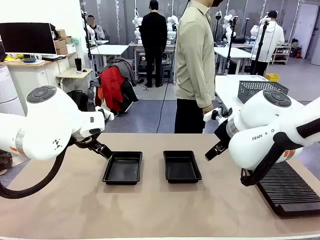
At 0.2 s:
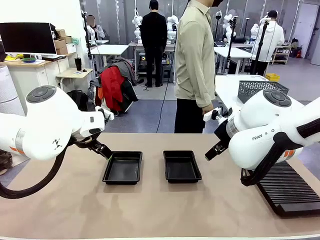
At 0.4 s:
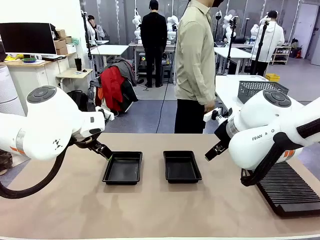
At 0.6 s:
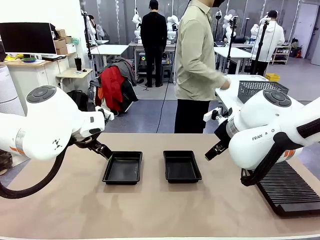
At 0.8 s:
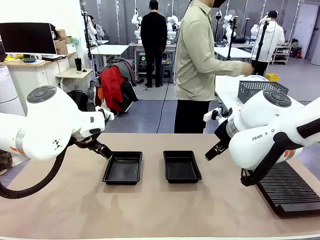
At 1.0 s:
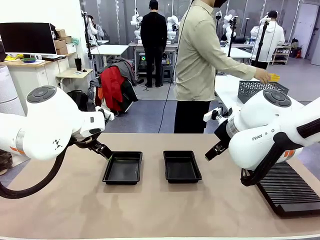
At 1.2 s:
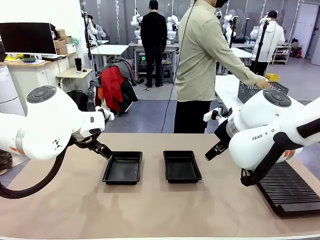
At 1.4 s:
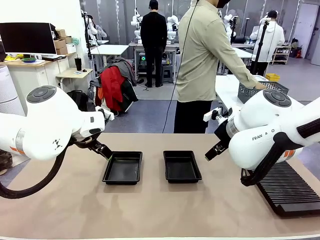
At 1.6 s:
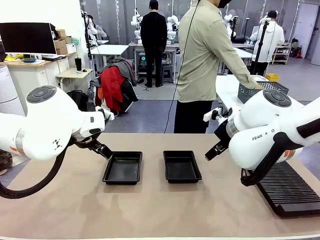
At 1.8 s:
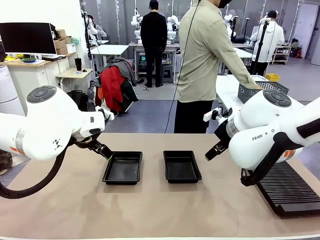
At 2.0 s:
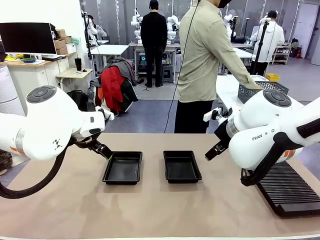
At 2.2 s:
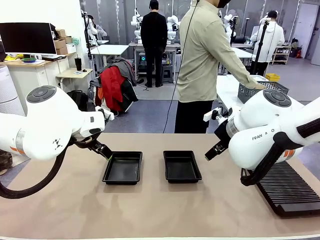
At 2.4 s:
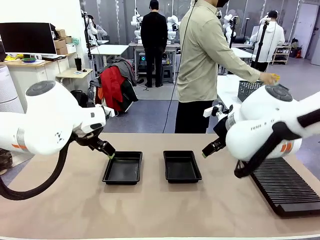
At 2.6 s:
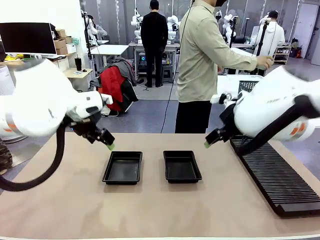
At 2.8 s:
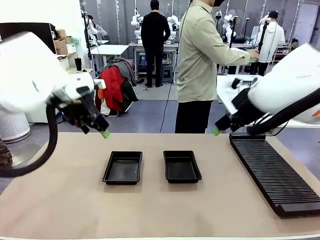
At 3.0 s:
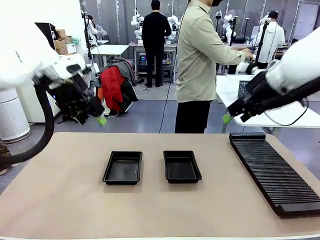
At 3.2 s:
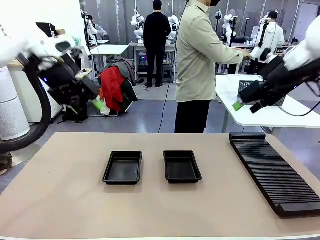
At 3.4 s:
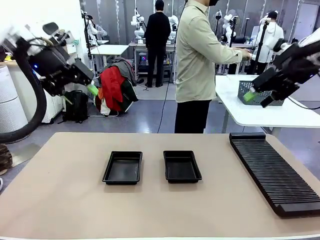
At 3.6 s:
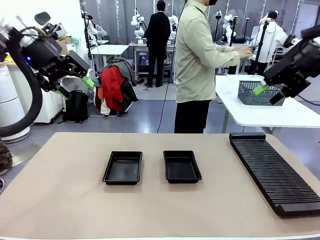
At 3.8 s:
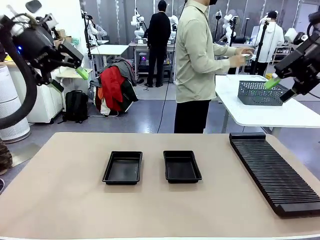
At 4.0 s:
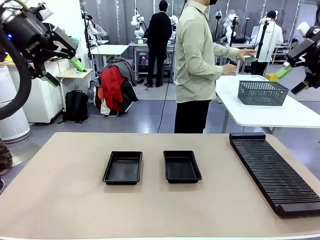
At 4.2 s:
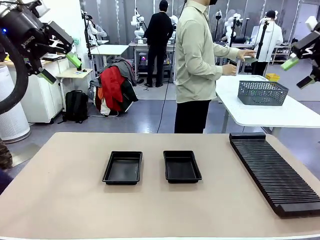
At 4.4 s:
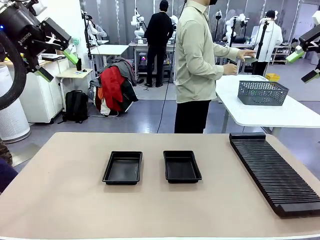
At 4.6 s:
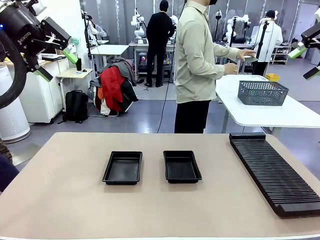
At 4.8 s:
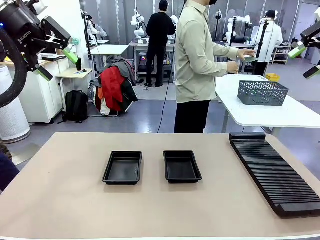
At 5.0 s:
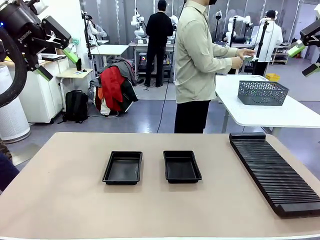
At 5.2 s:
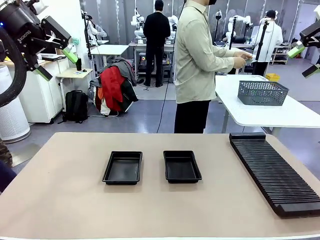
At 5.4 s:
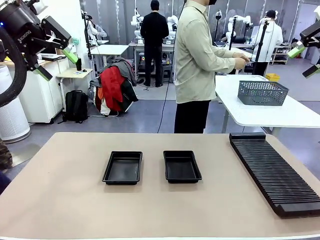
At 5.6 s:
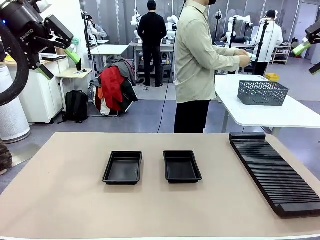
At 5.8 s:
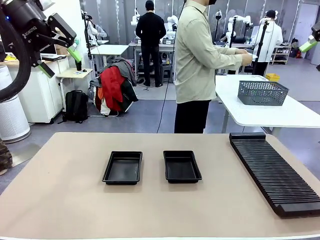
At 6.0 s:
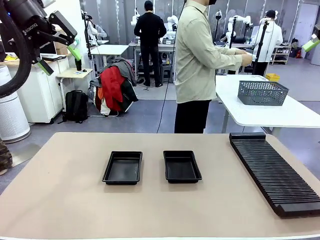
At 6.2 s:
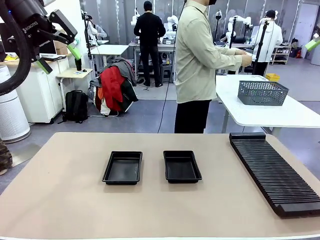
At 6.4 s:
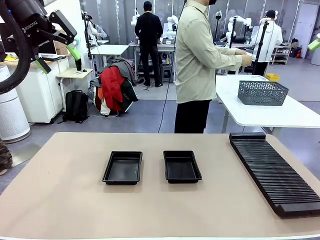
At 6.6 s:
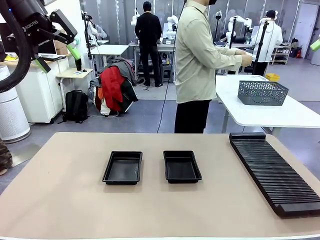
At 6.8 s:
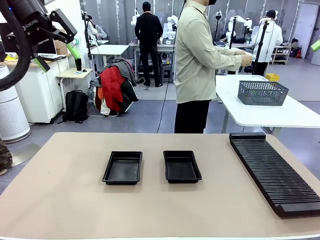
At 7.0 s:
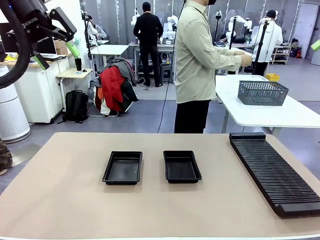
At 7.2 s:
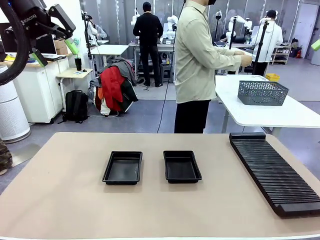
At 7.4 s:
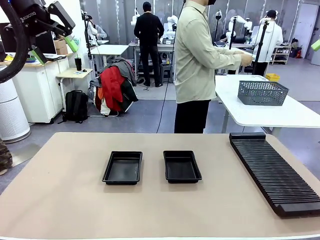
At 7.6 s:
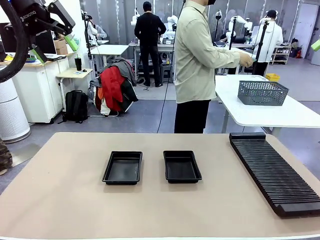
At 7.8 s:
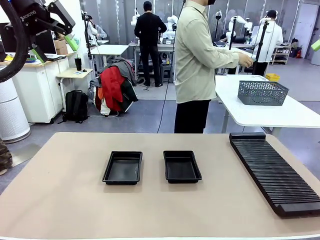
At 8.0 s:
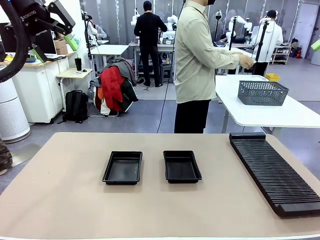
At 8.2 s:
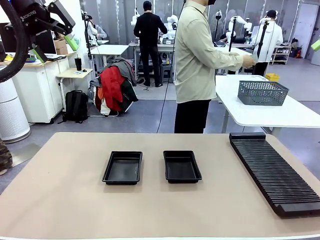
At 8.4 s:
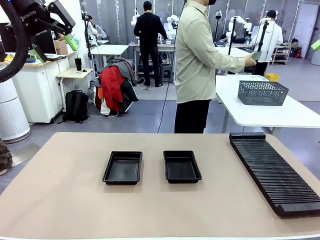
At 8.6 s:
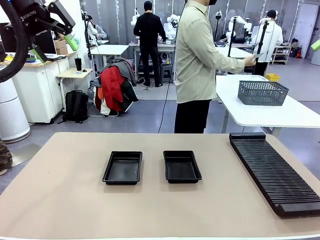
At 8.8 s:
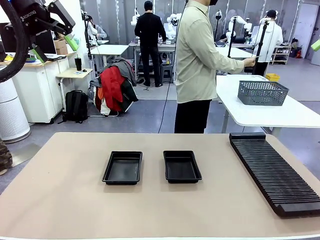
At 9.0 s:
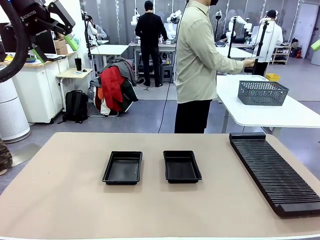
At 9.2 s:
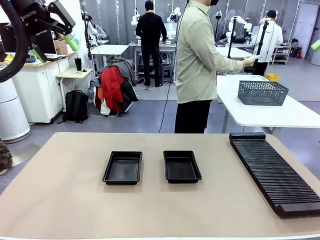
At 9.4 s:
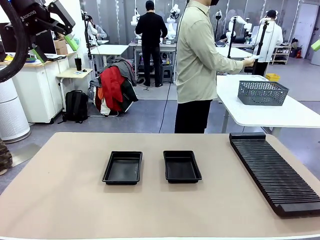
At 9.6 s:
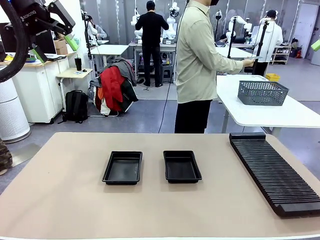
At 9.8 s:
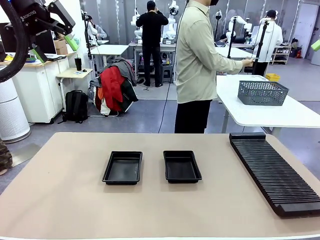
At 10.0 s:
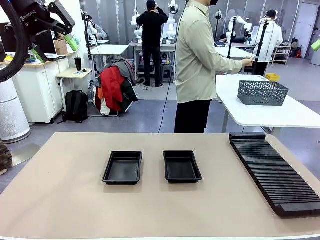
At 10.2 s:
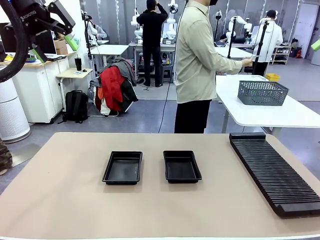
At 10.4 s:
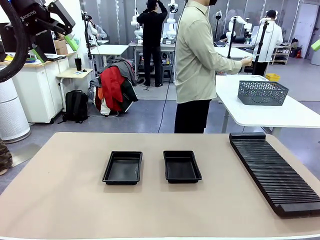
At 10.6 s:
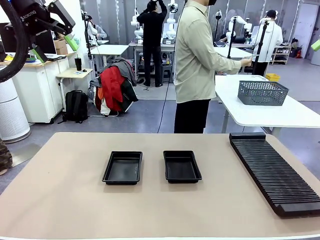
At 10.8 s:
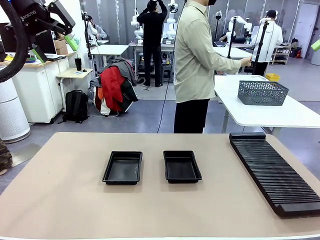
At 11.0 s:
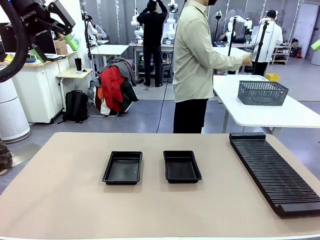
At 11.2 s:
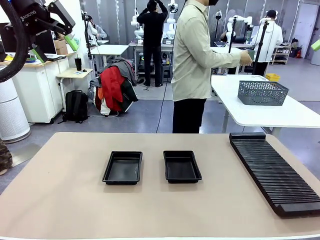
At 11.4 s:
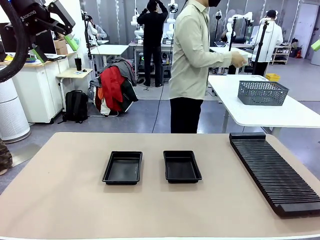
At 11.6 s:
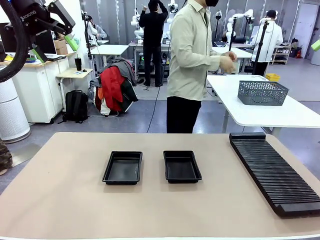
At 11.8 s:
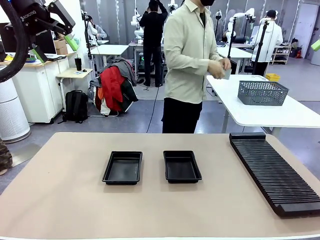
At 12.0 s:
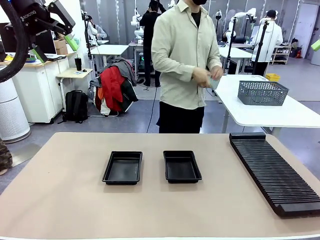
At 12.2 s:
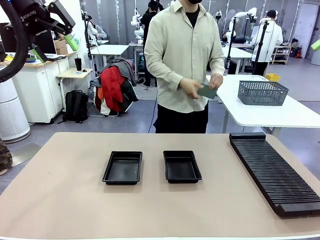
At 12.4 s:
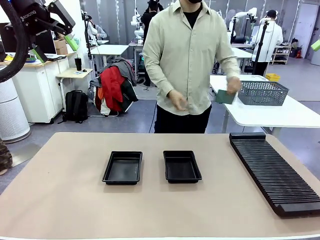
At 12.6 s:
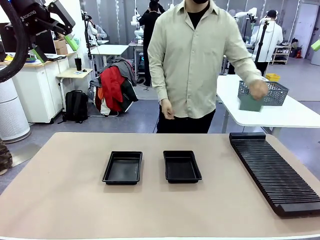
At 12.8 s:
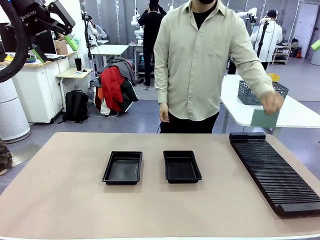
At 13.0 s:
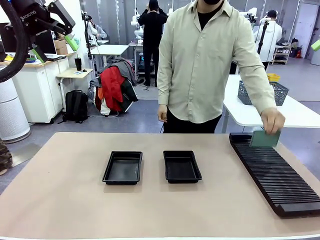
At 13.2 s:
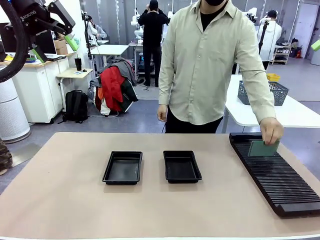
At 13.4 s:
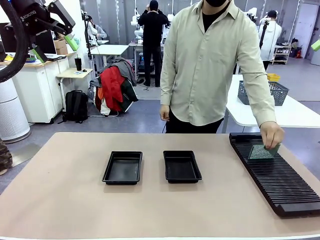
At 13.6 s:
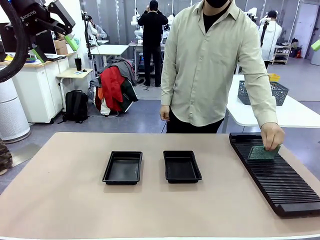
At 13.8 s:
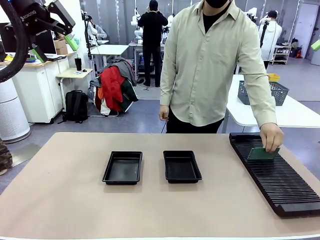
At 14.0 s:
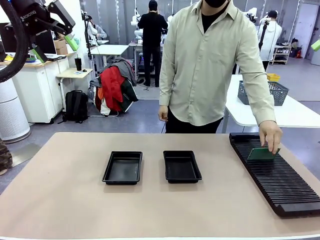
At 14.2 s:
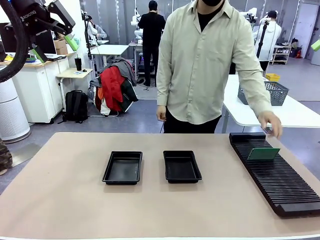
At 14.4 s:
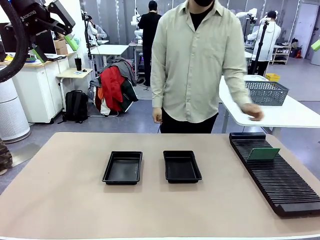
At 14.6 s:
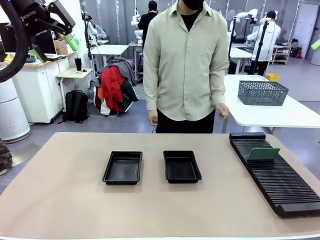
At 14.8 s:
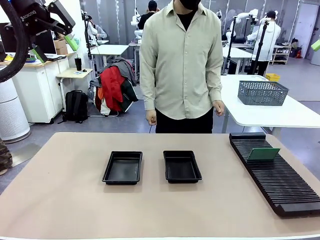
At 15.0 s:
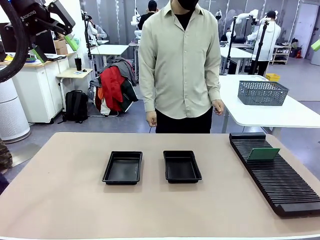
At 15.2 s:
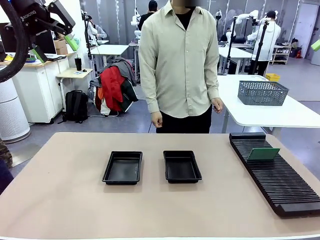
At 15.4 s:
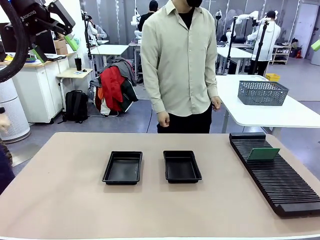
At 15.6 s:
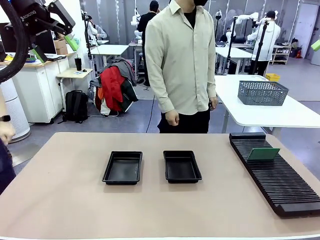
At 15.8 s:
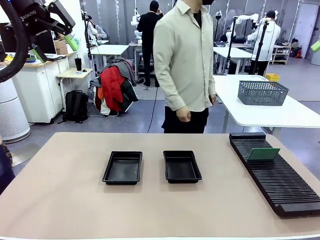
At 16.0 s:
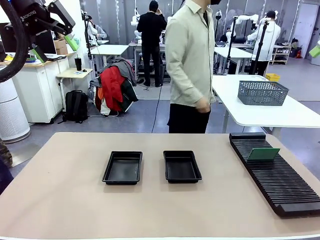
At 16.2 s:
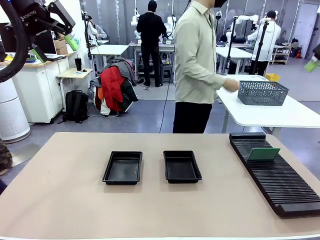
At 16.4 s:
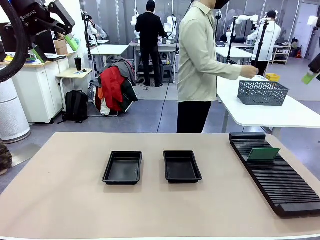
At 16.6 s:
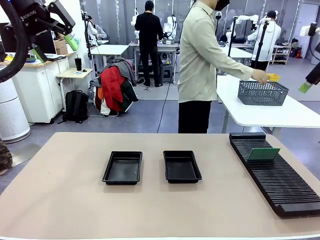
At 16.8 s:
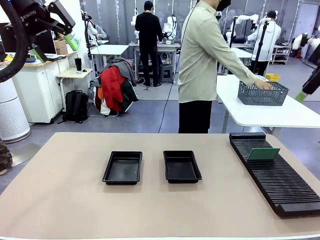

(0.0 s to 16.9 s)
Task: Inspect and transfer BCBs to ESD trays.
Robot: Pick up the Blank PCB from the PCB Rack and place it in the left ESD tray.
